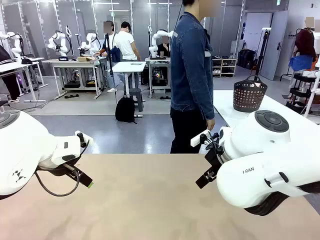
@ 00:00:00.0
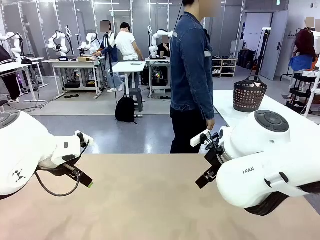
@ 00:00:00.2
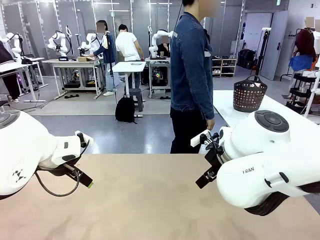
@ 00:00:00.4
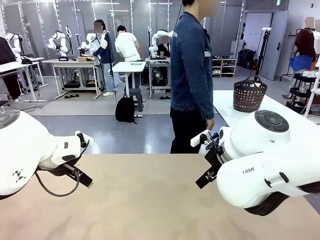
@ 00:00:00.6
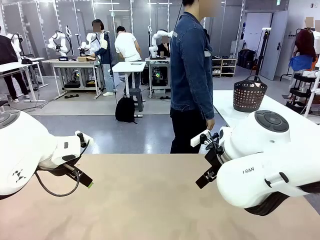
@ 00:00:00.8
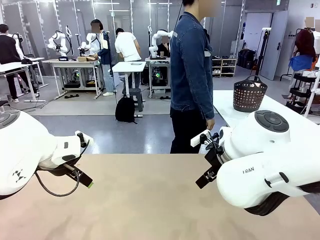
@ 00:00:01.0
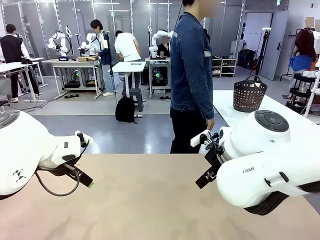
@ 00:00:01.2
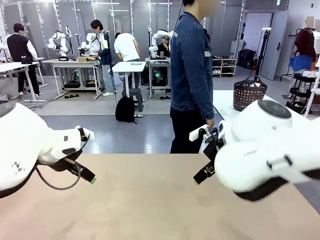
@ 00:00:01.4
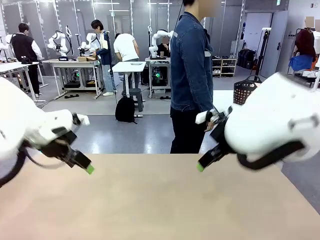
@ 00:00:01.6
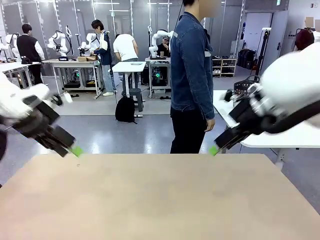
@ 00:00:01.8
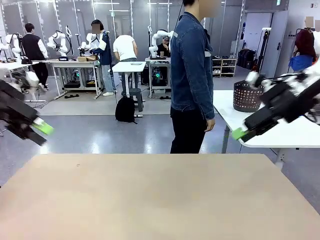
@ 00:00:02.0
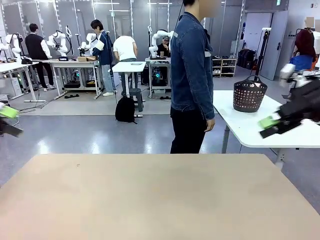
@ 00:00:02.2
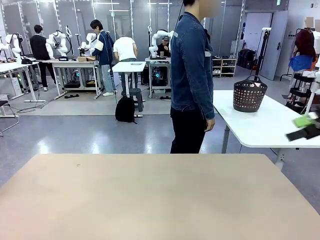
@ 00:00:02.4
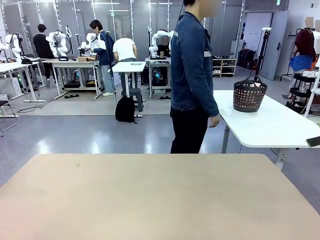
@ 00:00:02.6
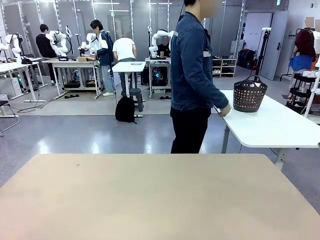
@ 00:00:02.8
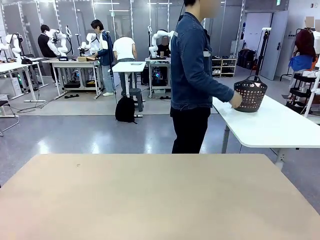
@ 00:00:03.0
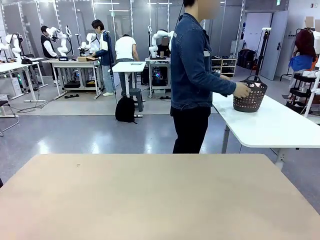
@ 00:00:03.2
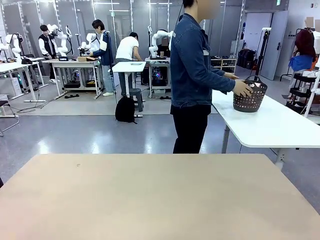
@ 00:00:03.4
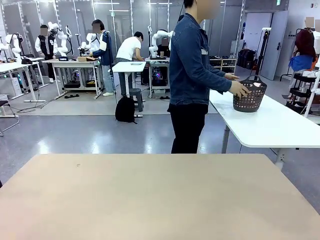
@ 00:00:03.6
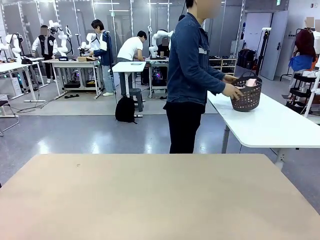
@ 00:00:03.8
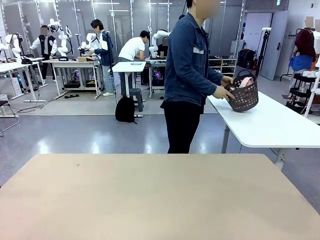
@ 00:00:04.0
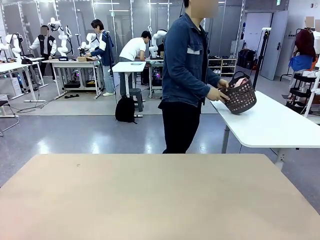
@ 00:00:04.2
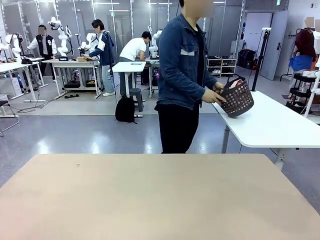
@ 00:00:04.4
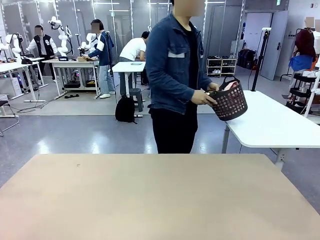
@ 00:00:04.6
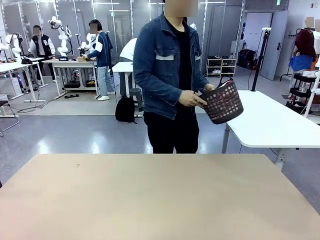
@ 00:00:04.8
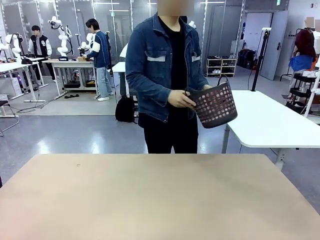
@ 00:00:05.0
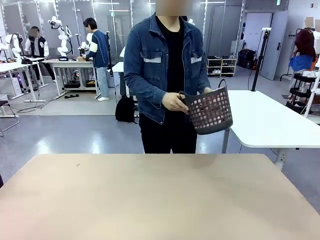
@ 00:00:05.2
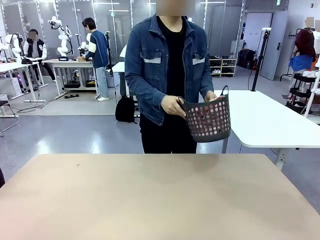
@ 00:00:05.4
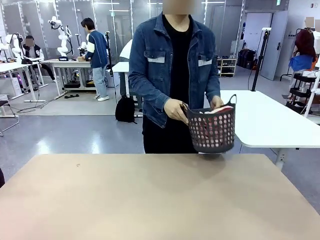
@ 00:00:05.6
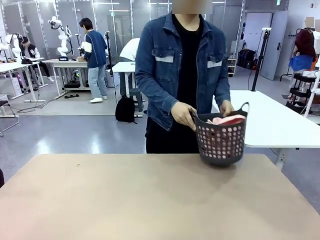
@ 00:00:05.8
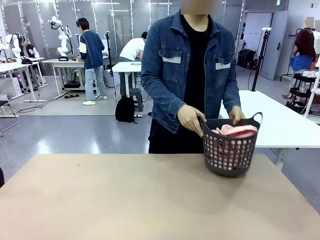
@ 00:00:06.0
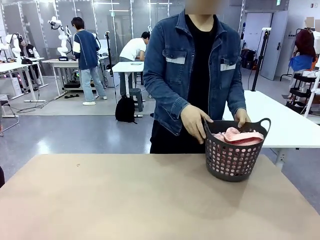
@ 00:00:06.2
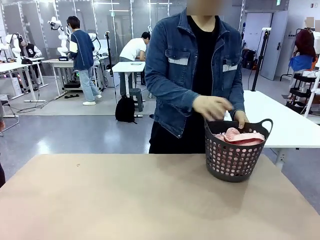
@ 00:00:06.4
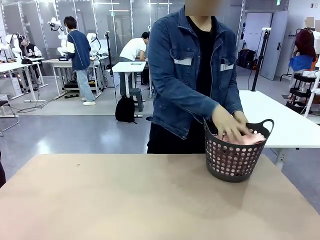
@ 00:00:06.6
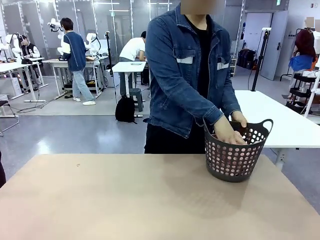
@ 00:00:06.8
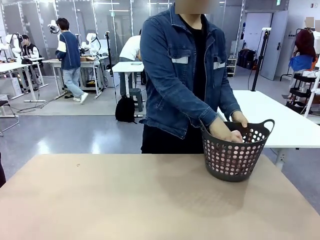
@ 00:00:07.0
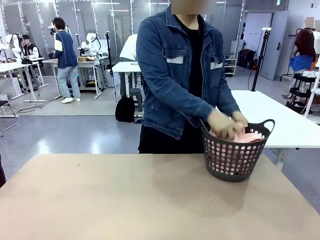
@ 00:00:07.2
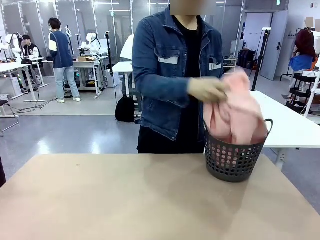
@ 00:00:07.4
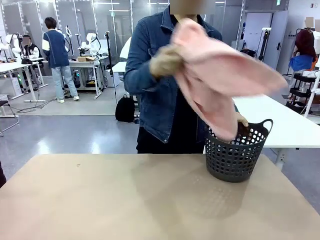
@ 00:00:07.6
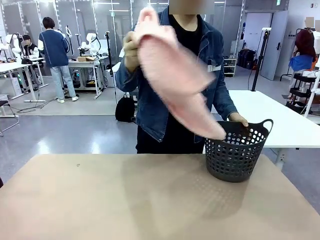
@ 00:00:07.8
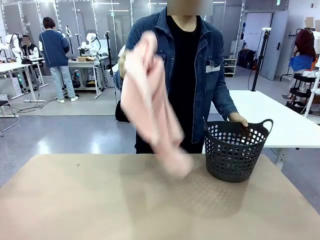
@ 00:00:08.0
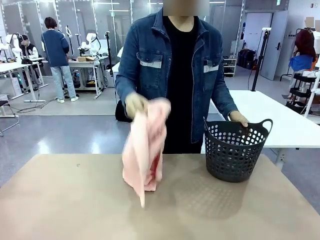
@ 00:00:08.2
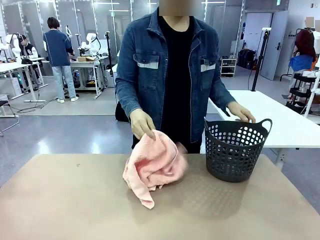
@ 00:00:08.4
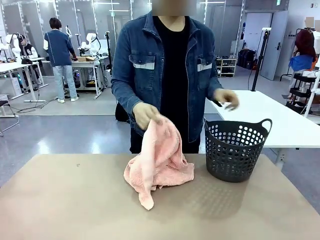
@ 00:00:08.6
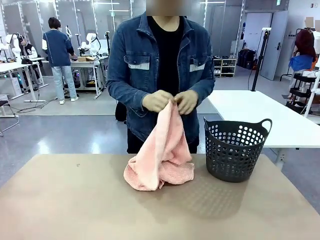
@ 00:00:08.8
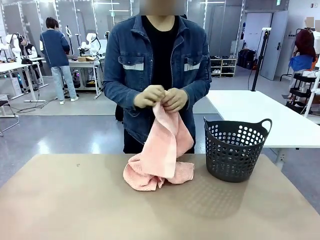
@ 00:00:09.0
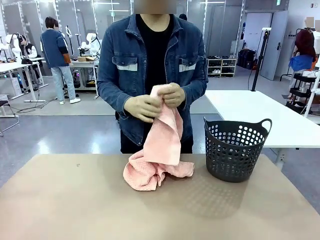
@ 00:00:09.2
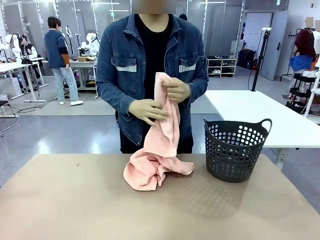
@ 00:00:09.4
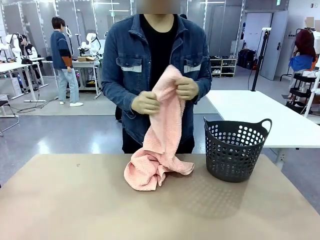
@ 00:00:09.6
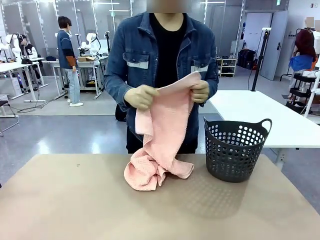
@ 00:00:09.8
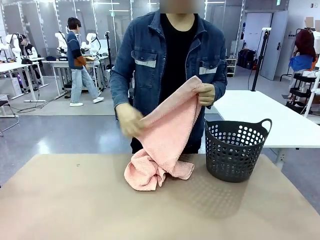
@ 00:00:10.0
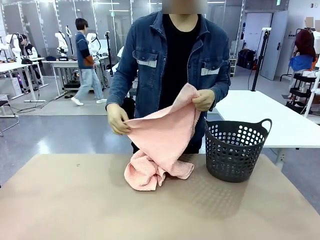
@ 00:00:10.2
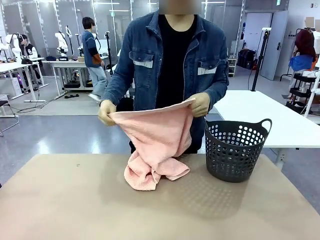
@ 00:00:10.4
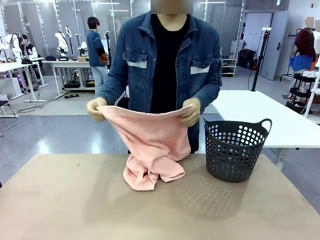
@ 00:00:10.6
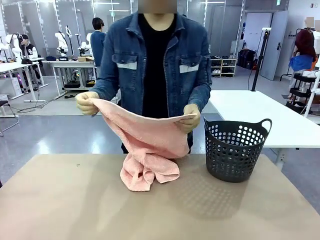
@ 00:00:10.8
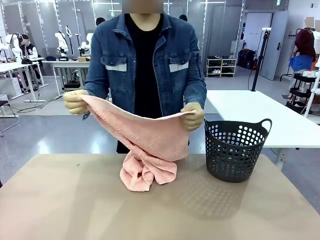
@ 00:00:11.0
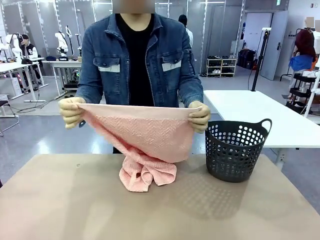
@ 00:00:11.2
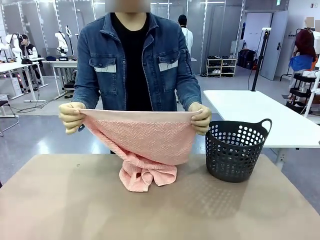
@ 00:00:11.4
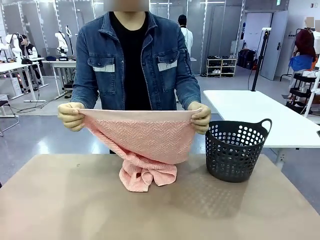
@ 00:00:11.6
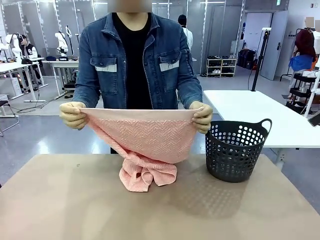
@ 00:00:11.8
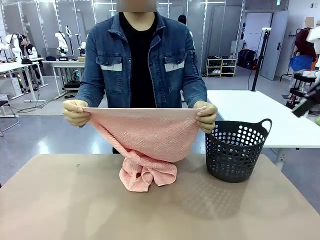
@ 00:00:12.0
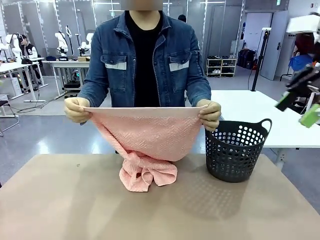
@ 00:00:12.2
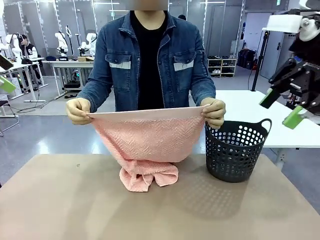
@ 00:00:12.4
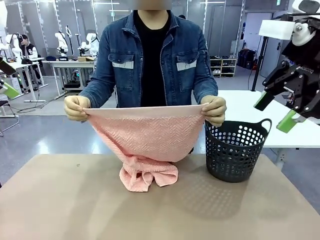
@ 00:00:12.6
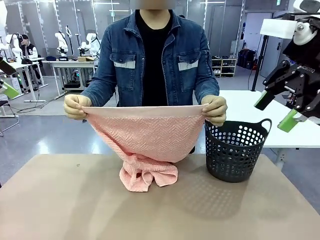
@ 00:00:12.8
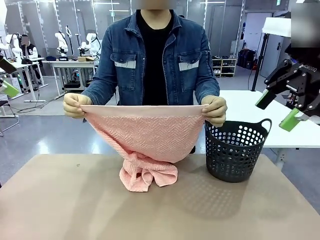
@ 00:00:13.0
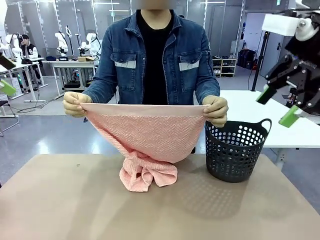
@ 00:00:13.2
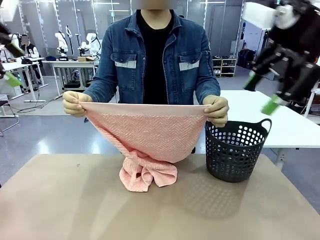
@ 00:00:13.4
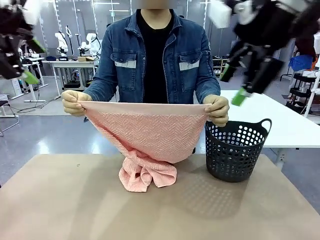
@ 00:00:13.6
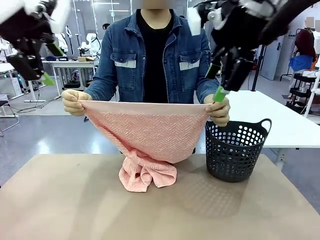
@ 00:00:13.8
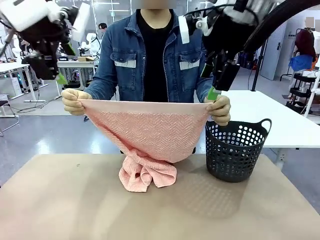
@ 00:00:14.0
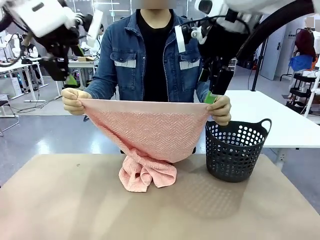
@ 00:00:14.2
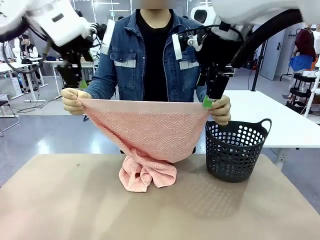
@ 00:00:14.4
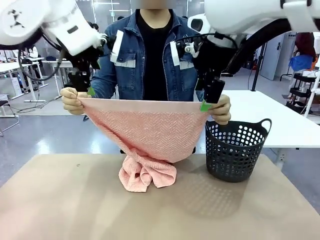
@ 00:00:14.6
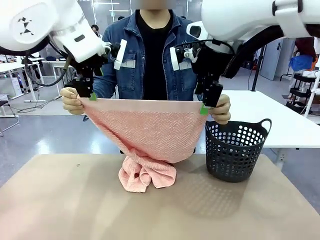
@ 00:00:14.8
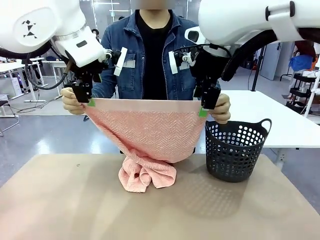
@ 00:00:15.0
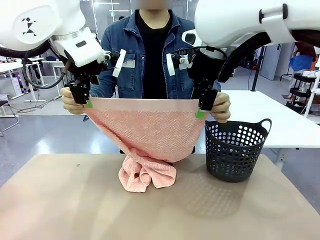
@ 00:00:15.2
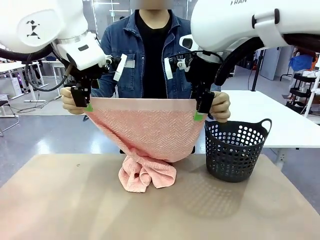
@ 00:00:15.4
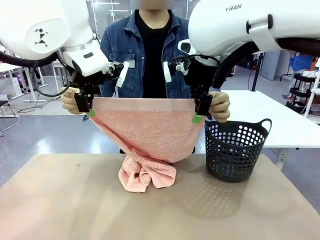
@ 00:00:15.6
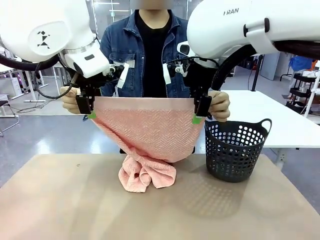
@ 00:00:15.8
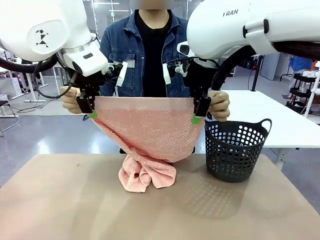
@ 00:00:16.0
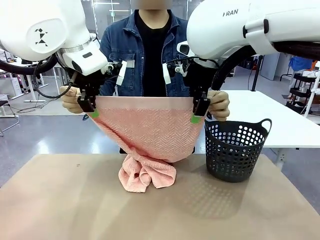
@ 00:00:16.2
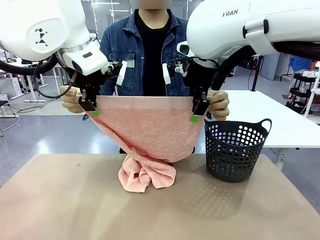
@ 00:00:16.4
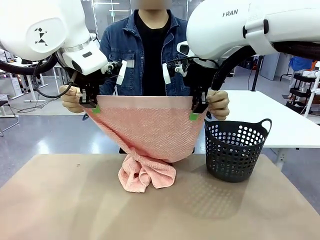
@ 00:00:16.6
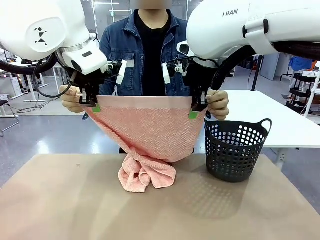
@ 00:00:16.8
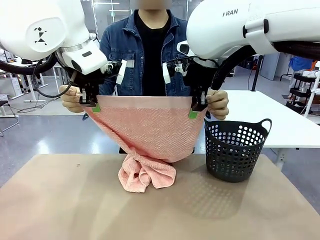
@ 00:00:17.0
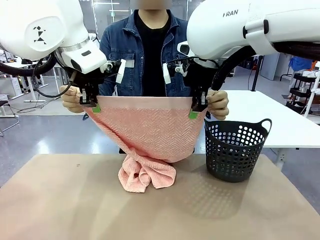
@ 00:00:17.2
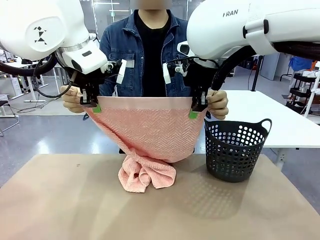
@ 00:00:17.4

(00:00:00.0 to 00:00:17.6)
Task: Fold the towel.
Robot: Grab the top end of the 100 cm Hotel Towel extended by the human.
Person: Pick up the laundry basket, place it on the left side of the robot table, then take out a towel and hand it to the robot while holding both corners of one end.
